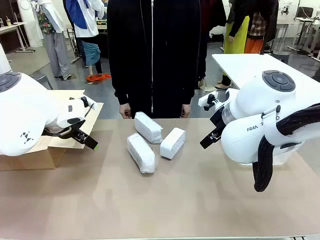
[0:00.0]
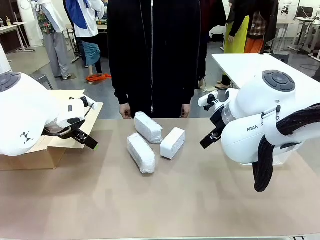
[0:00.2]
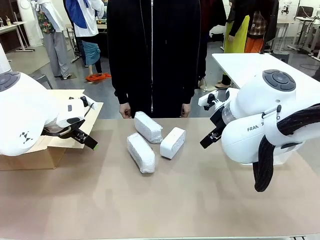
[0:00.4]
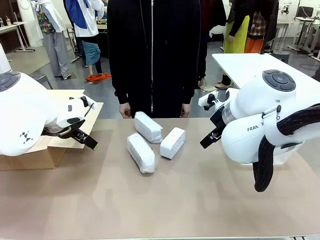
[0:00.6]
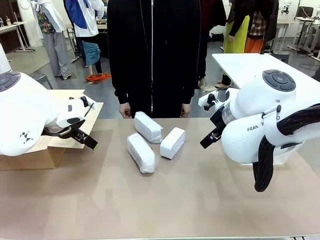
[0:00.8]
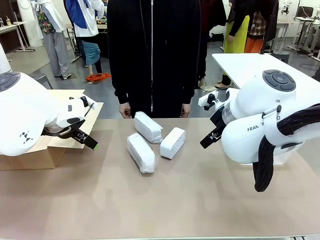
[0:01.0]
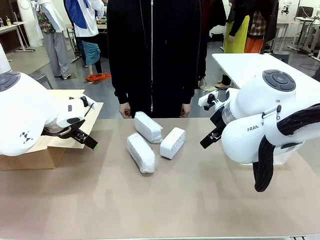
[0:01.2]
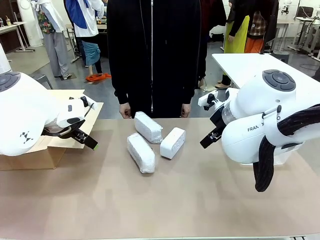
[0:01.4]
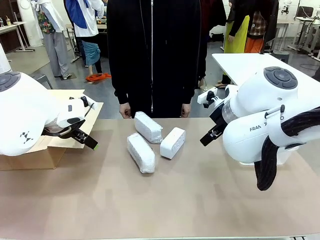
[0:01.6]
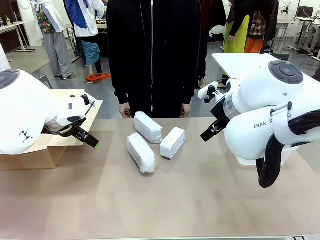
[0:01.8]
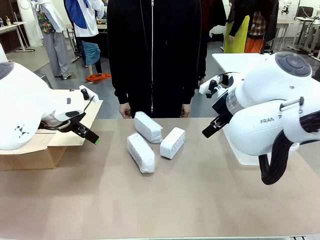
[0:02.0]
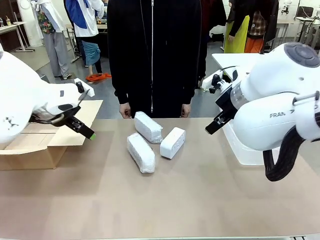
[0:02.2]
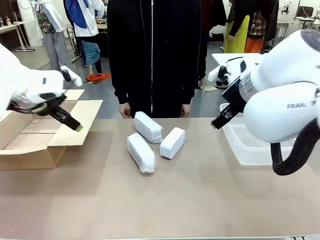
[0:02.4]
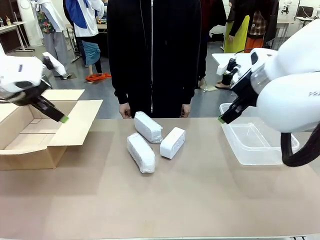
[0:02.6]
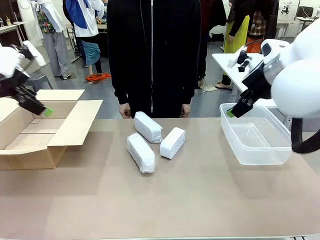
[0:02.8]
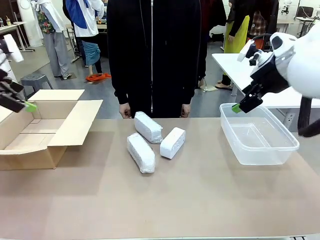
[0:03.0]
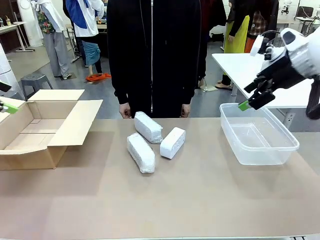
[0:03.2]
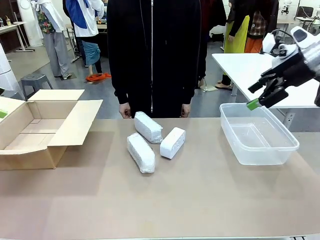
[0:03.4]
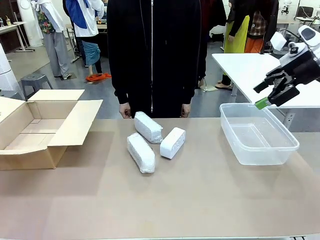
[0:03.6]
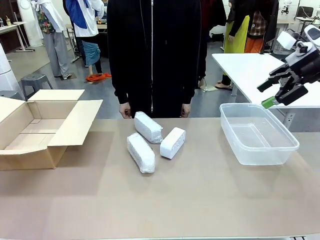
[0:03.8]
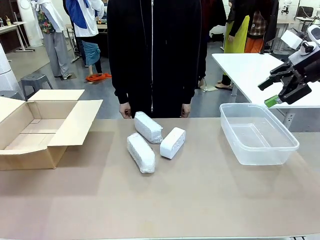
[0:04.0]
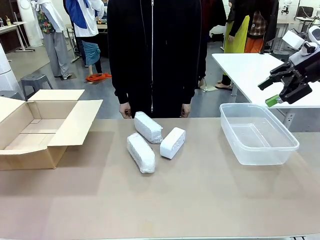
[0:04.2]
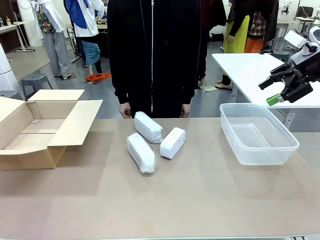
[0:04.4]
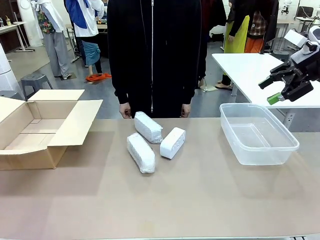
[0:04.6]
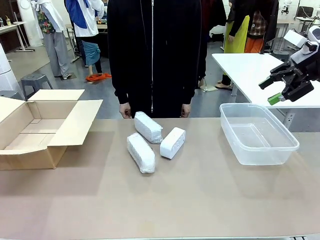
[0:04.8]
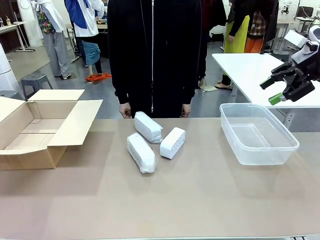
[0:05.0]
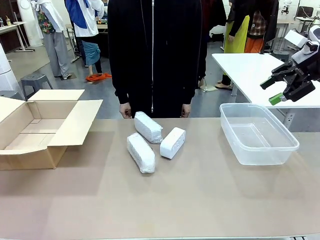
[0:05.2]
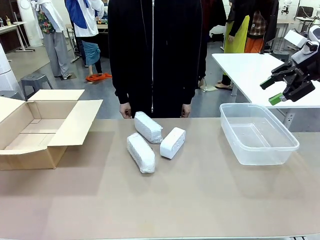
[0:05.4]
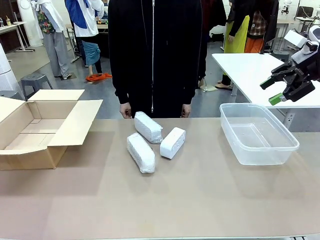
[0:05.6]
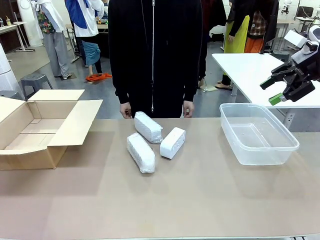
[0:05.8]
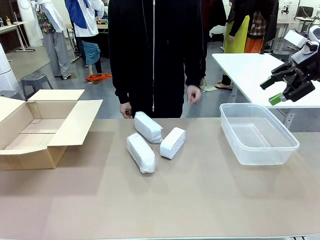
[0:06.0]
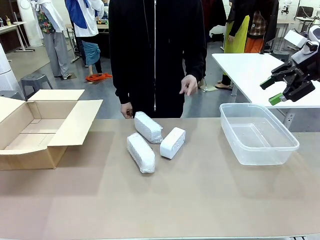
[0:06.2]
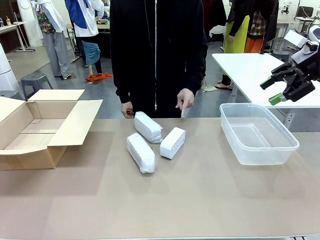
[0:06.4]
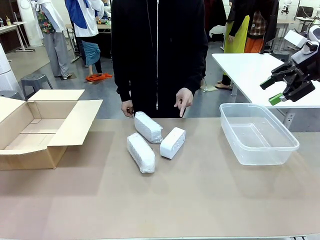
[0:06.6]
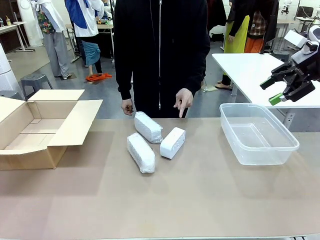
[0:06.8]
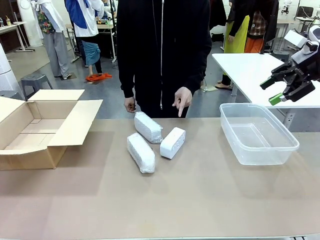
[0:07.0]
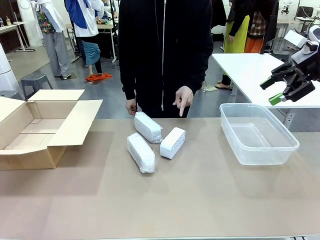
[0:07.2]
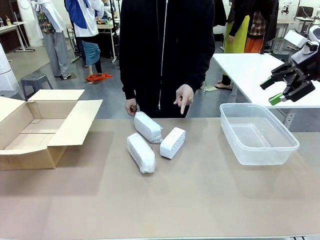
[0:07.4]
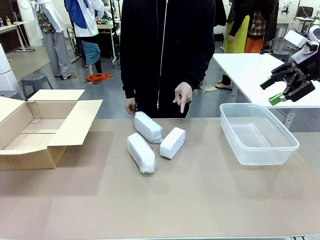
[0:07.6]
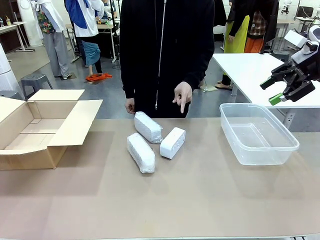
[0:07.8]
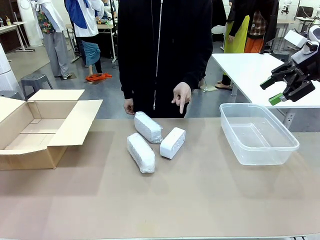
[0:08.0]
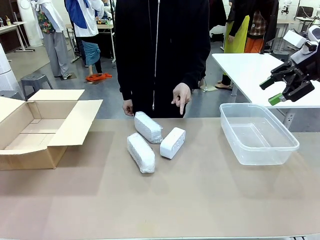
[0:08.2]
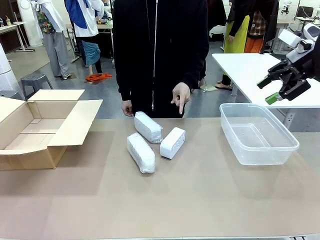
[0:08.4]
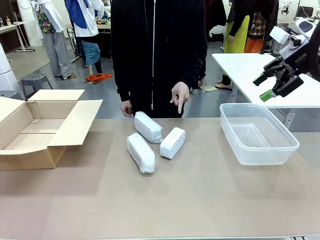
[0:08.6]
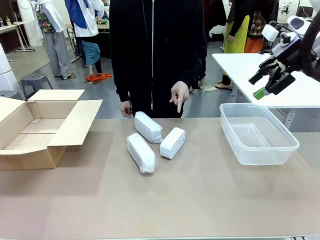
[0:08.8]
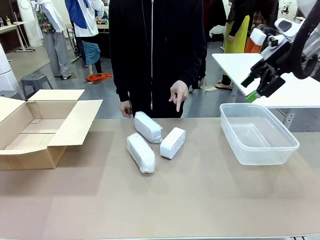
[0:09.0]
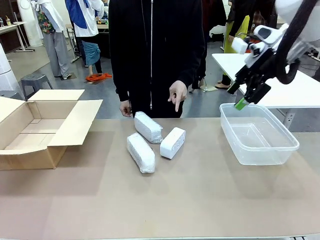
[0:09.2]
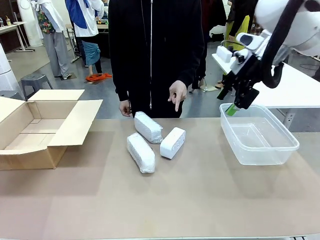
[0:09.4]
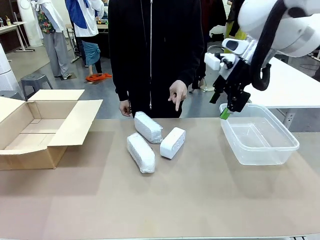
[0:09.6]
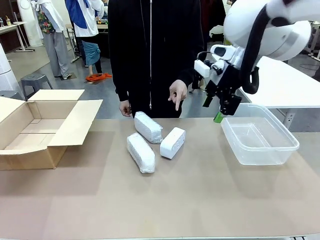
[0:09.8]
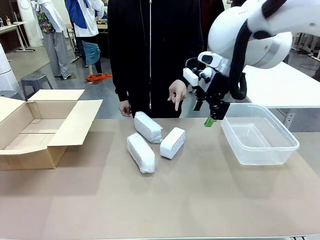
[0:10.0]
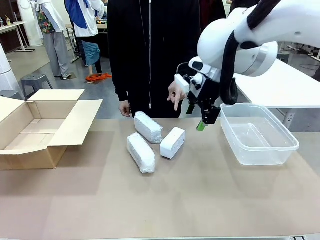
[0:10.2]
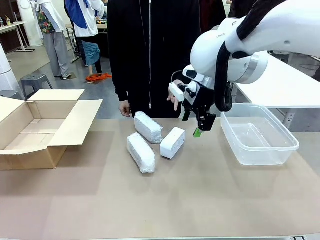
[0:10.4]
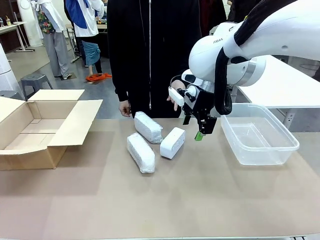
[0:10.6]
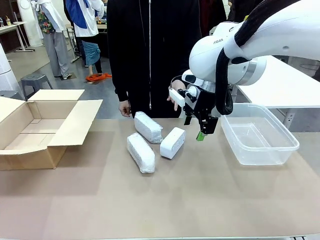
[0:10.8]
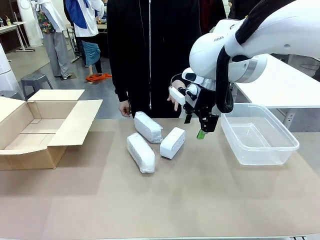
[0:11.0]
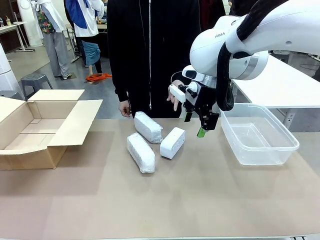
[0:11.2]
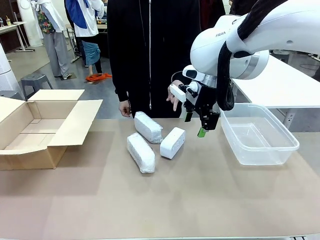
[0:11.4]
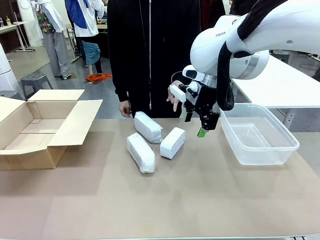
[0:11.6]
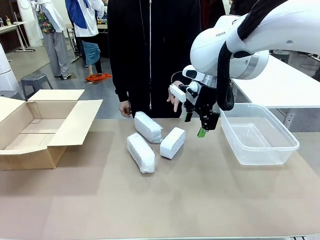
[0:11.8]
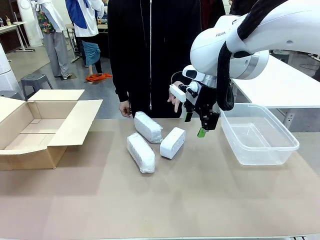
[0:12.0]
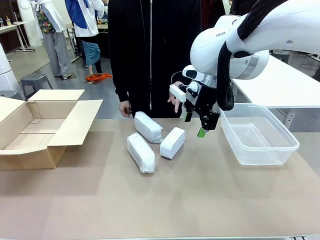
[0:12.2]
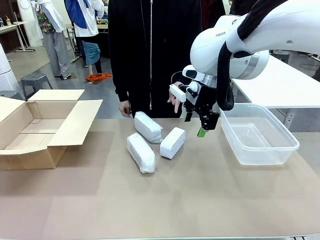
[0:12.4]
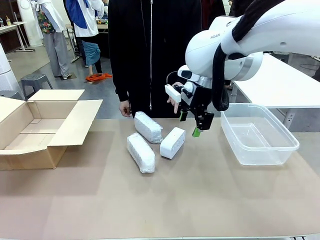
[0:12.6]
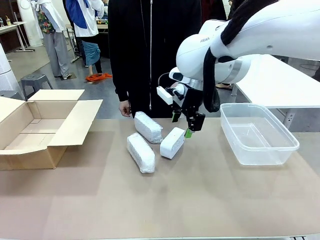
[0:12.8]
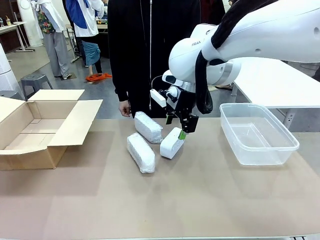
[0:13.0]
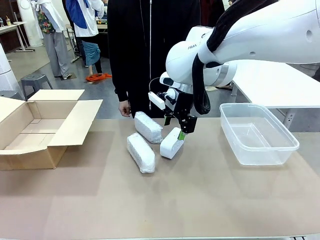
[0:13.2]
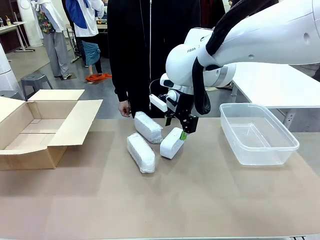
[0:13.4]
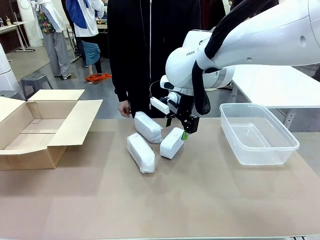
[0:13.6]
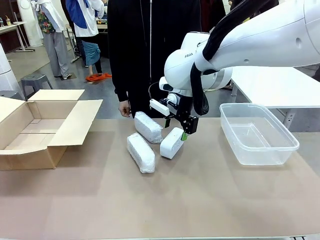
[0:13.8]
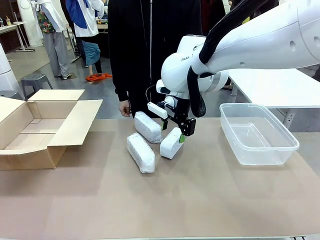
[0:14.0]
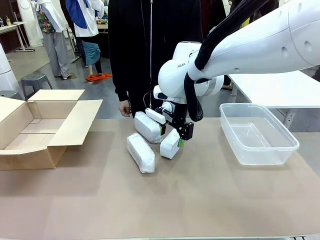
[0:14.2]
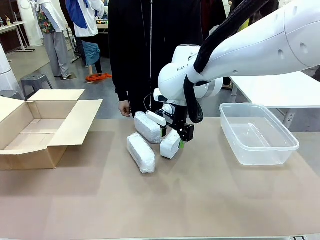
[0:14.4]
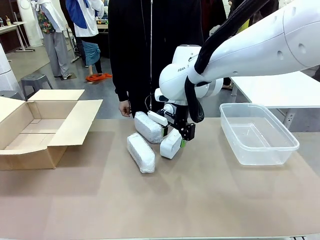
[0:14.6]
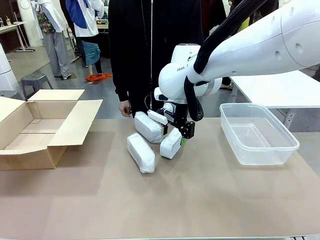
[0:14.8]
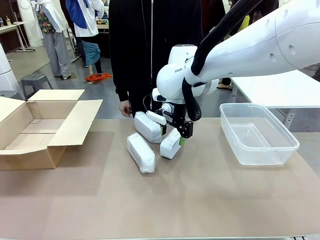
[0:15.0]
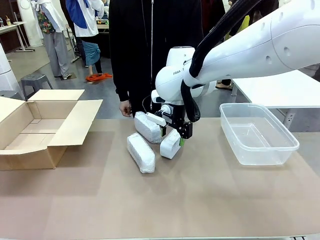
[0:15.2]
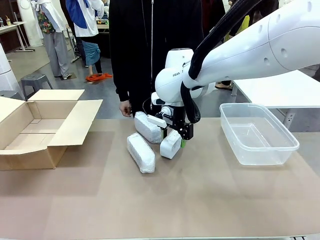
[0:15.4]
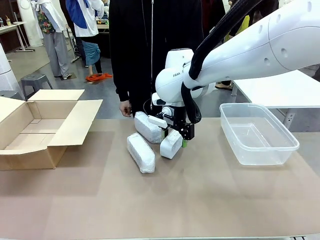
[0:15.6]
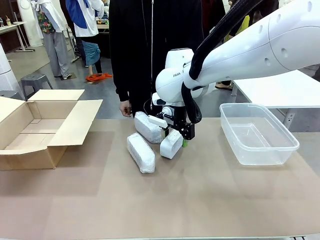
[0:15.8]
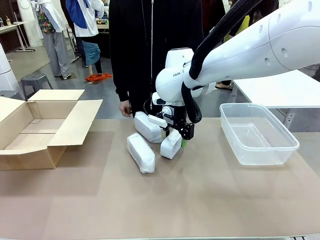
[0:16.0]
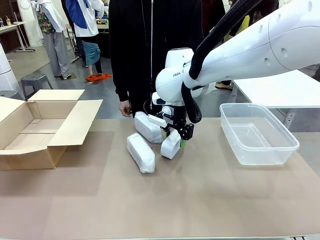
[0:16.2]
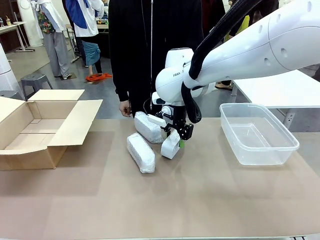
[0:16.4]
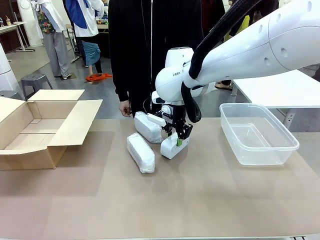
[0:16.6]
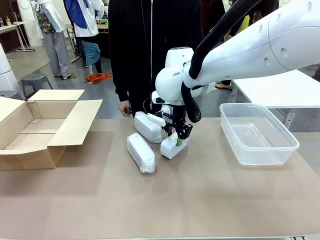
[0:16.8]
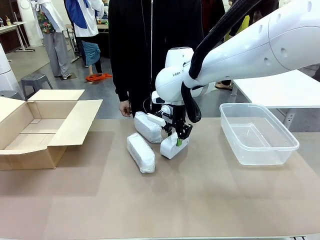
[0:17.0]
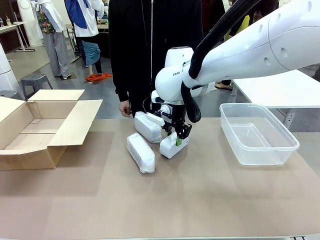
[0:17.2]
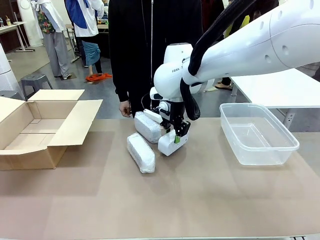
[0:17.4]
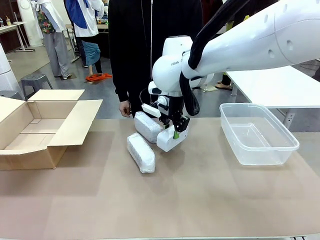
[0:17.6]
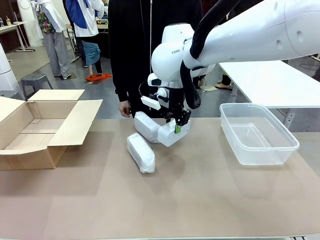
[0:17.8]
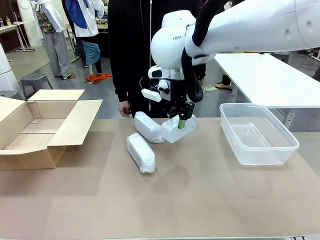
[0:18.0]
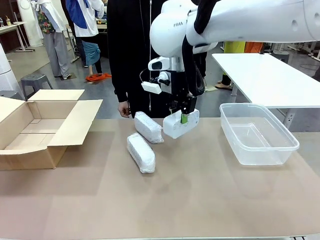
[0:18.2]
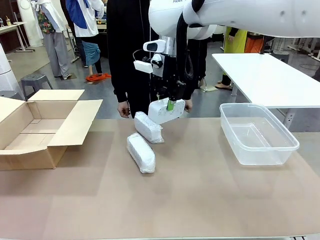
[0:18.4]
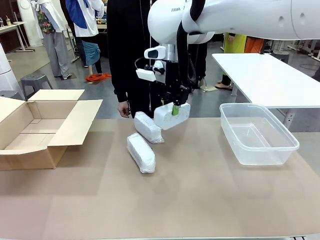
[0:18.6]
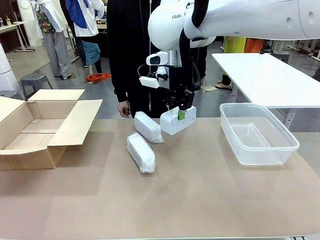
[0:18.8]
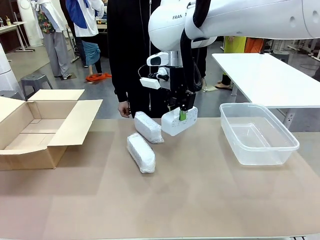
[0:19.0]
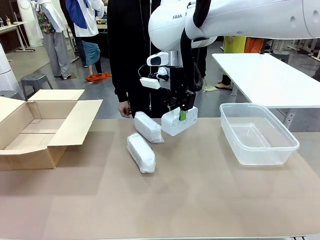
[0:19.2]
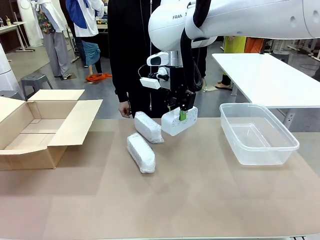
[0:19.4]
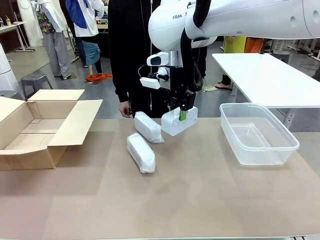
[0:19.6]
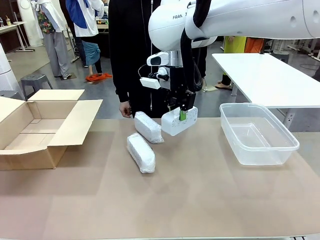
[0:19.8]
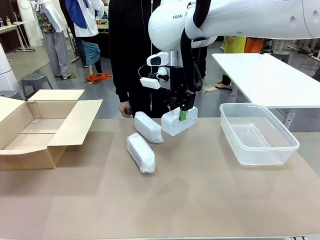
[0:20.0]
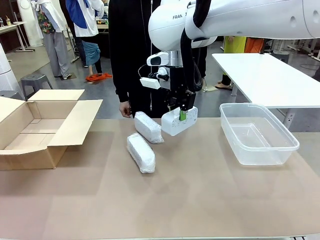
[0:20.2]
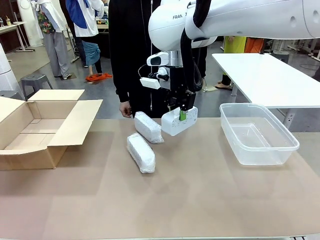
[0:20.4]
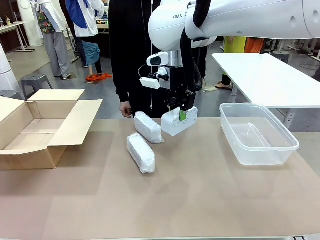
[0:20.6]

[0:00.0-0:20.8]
Task: Separate and place wrapped and unwrapped clocks.
Robot: Pick up the Digital clock indicated by the person.
